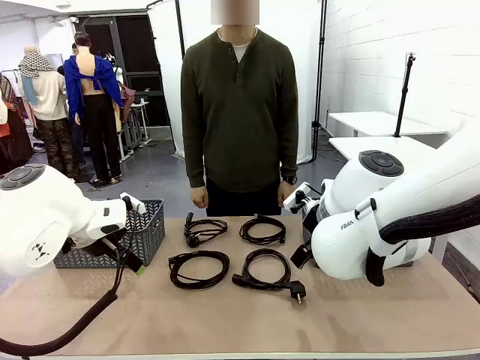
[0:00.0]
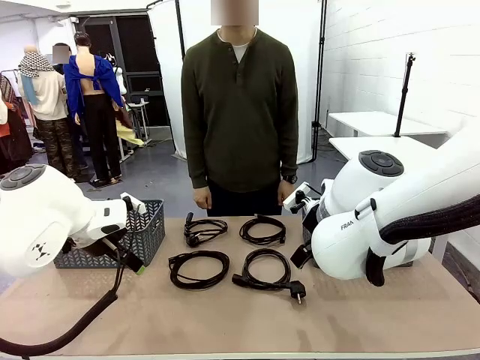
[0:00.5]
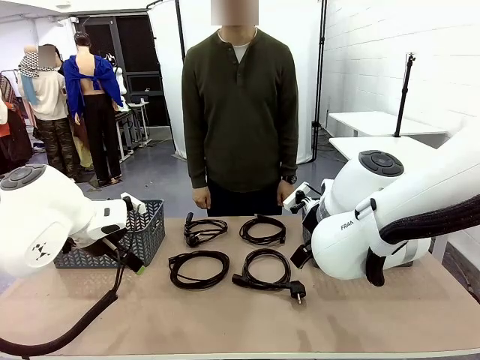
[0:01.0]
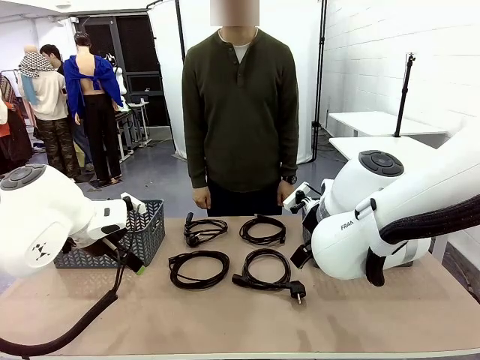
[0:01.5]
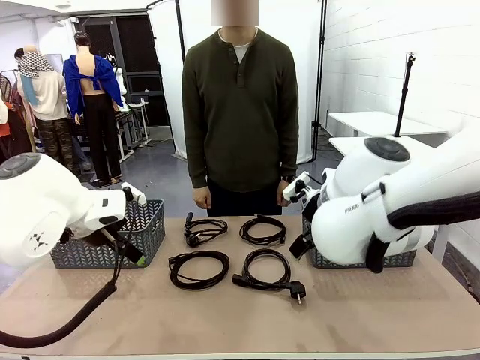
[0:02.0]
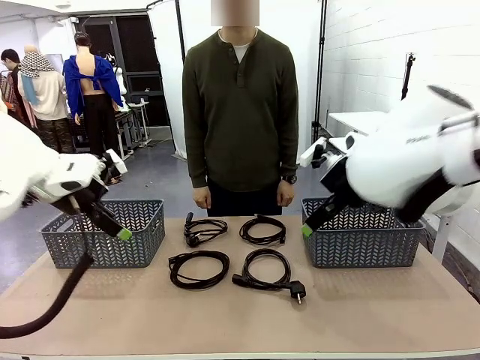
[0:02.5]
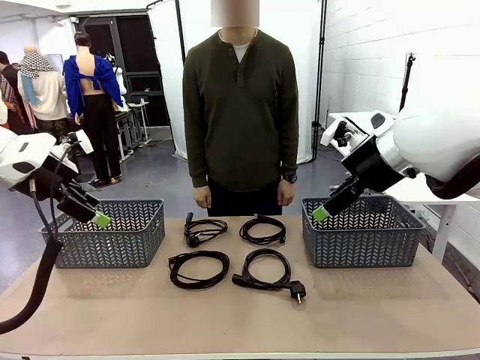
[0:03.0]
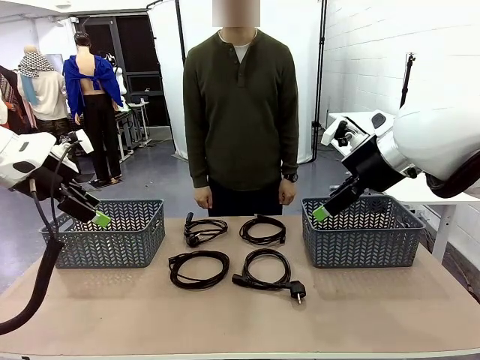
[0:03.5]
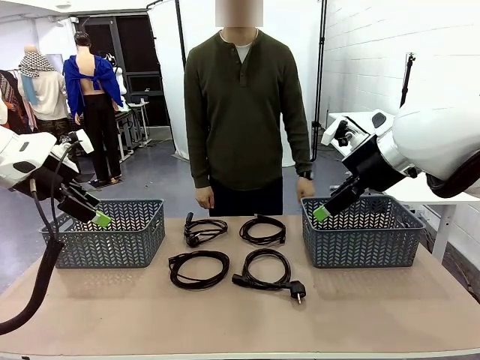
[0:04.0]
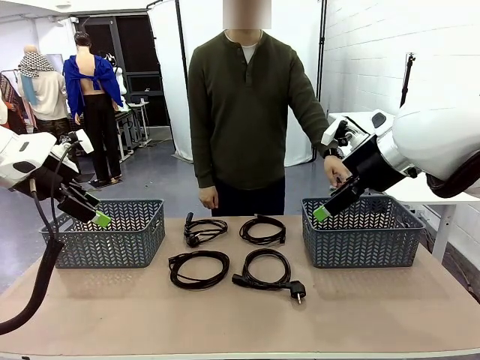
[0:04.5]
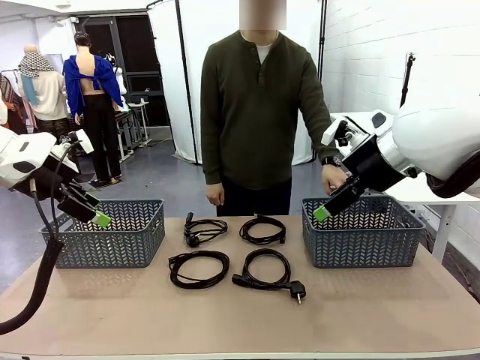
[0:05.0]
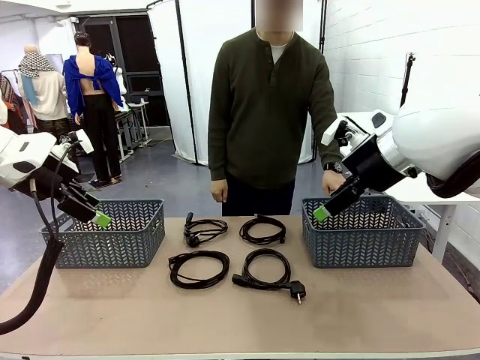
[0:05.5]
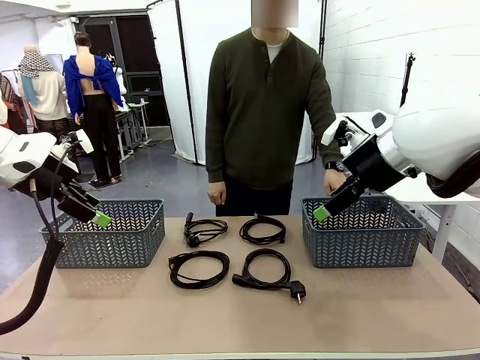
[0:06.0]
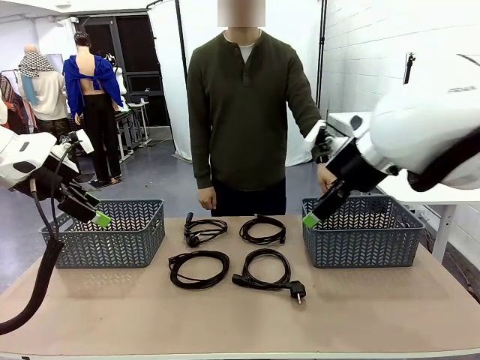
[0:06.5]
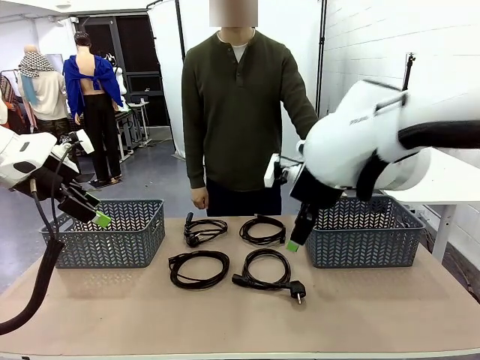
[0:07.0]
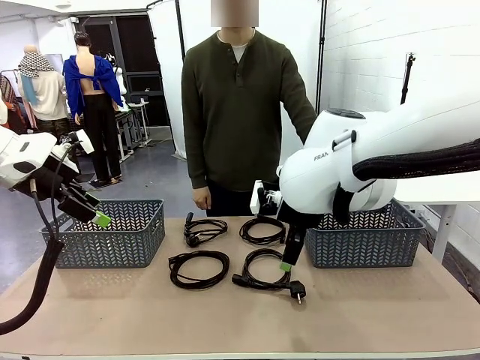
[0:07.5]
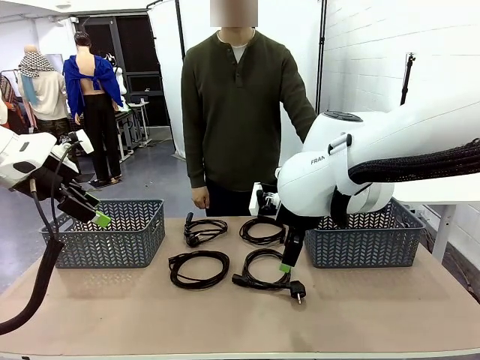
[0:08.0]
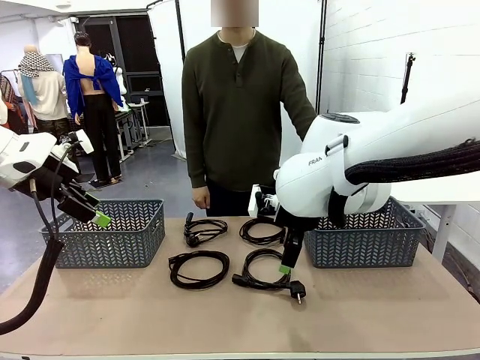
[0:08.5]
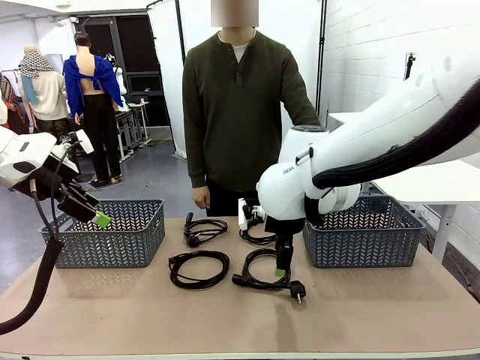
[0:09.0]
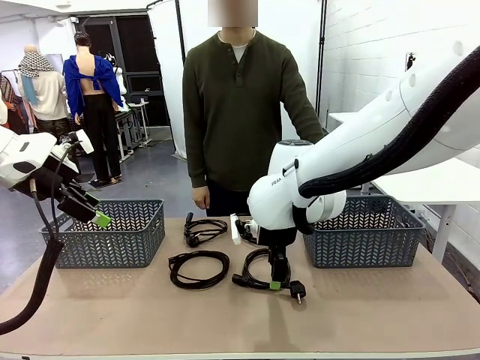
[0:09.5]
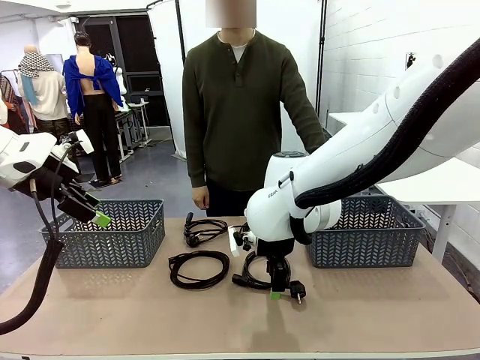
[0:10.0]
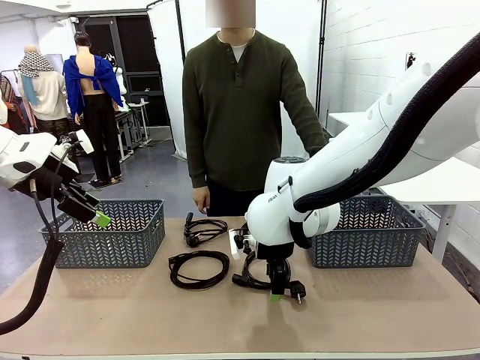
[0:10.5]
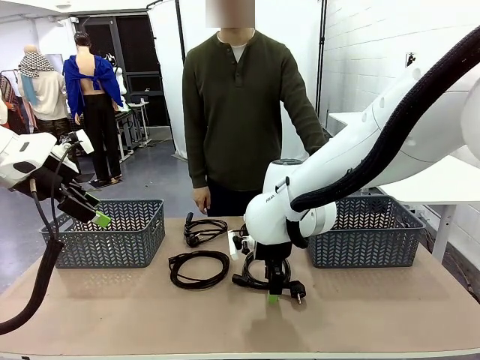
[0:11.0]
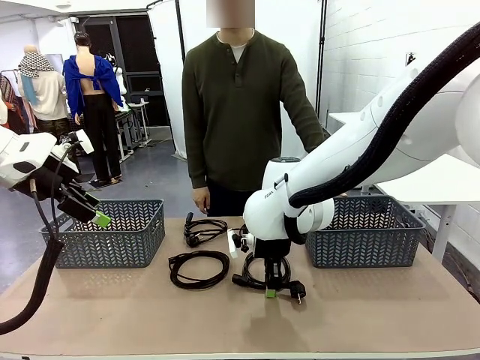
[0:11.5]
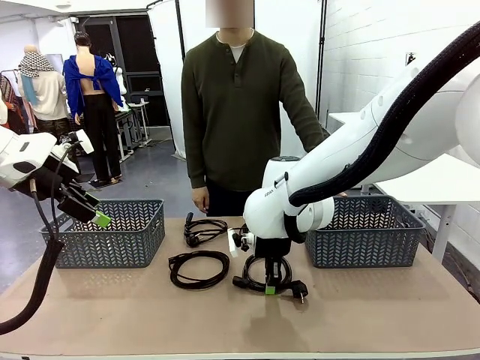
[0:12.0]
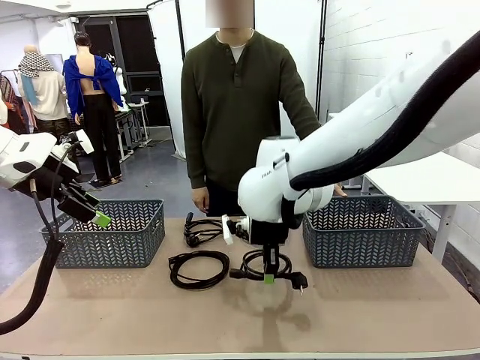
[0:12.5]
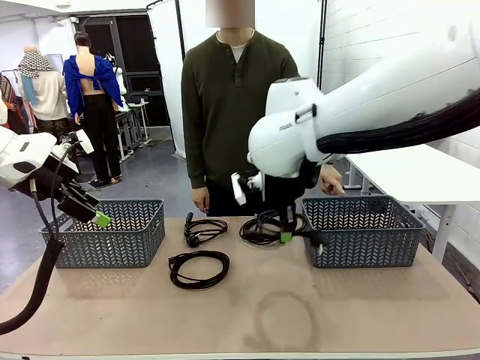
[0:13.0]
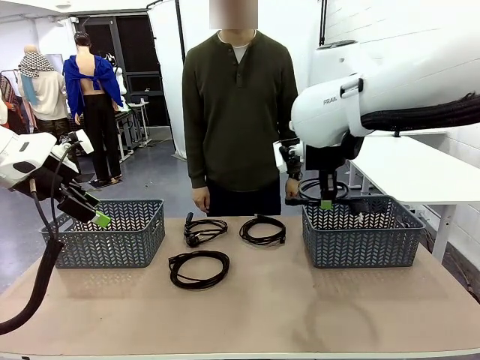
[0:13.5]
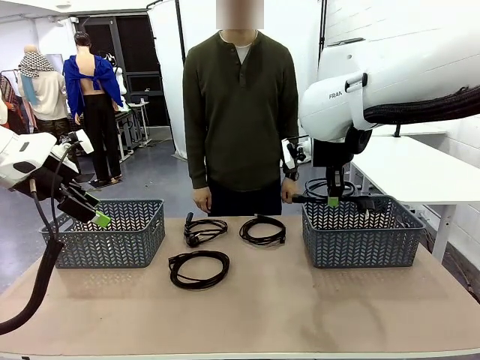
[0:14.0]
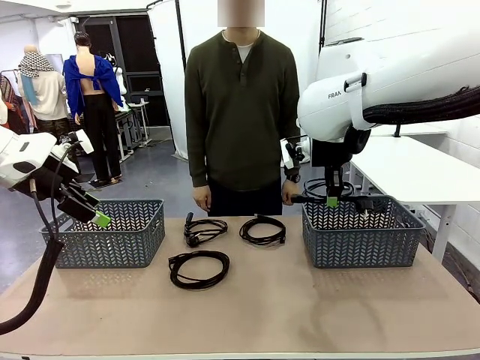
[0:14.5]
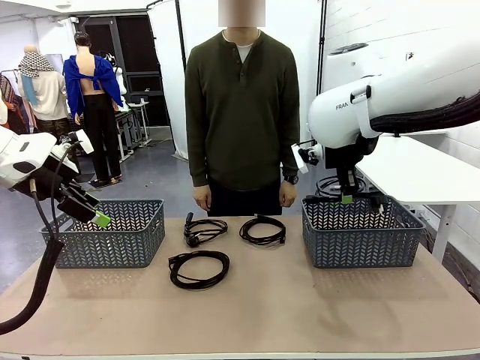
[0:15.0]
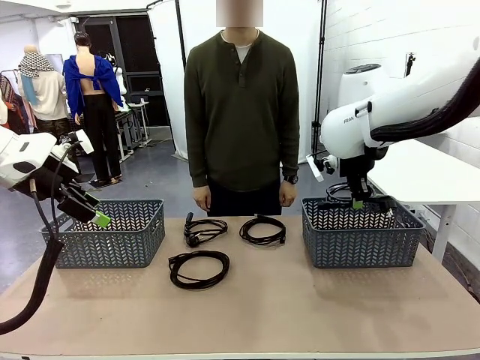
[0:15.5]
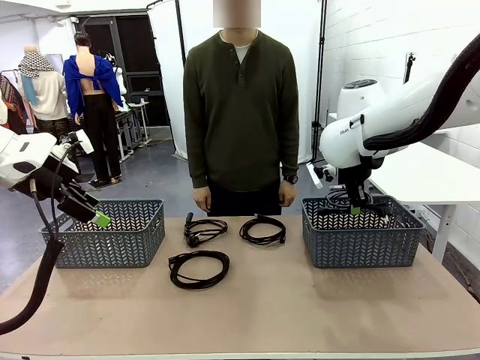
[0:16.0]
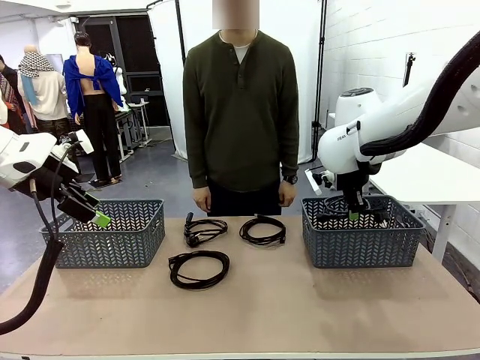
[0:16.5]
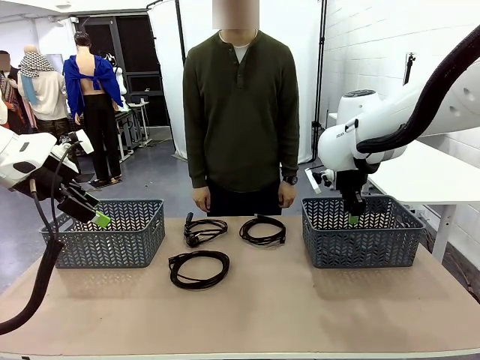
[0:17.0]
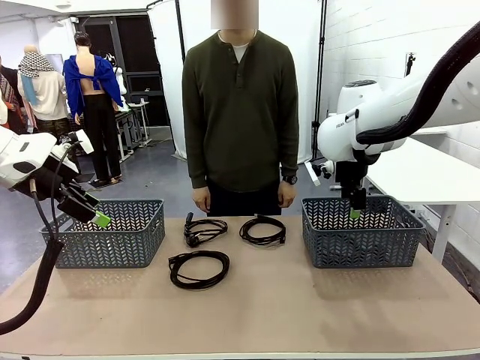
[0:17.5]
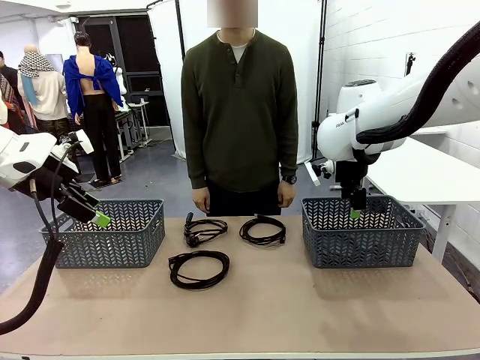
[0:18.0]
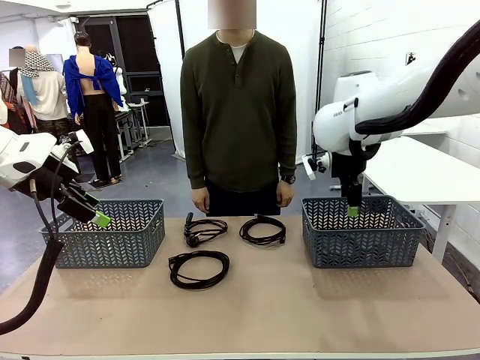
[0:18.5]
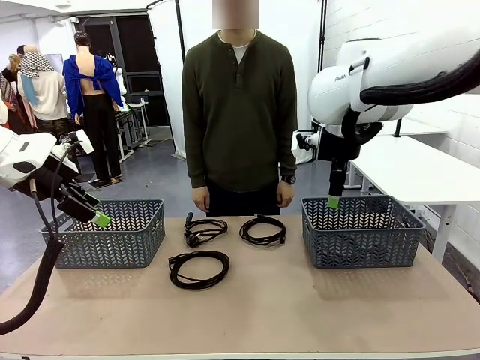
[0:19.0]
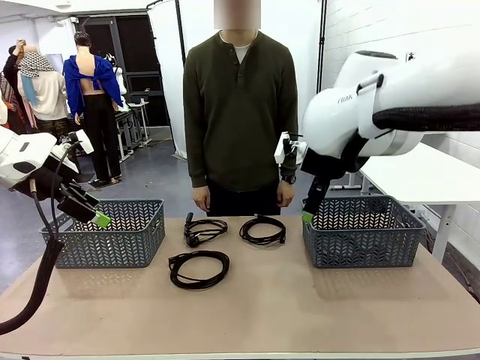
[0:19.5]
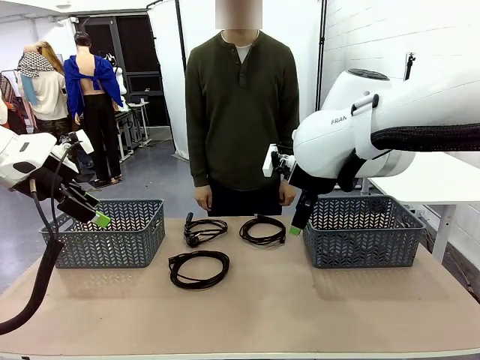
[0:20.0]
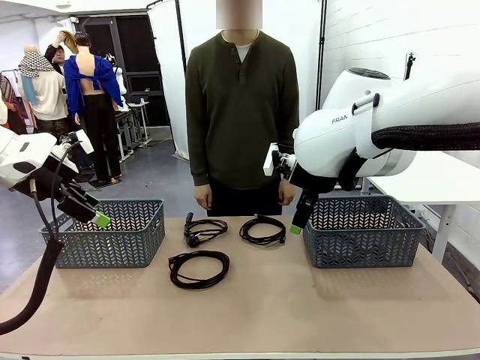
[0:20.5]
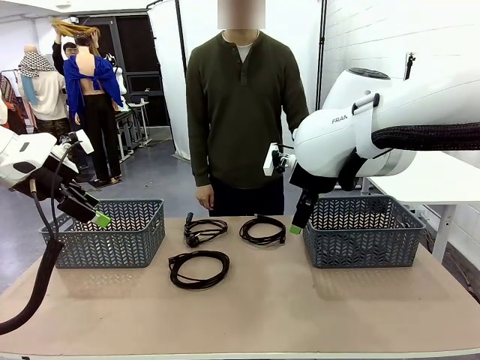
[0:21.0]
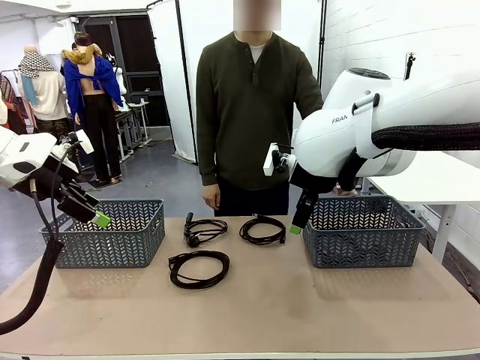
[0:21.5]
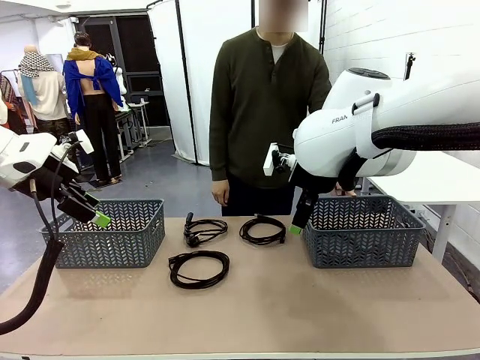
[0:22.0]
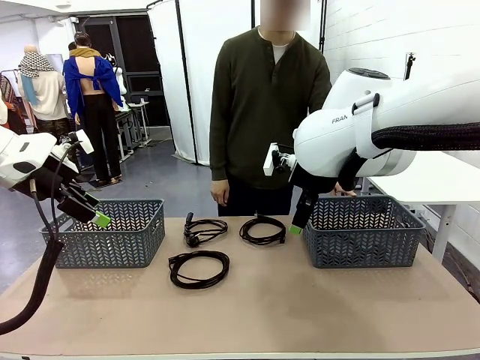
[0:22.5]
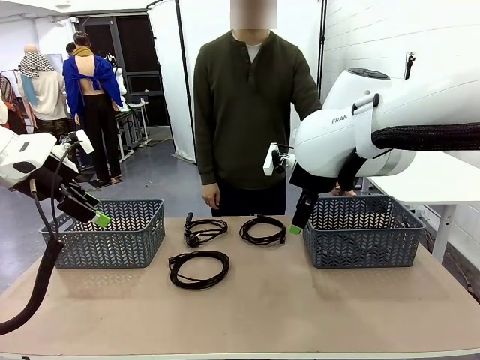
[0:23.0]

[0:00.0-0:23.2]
Task: Organize the cables according to human instructions.
Robot: Pick up a bundle of cables and place it in the basket indicated by the human.
